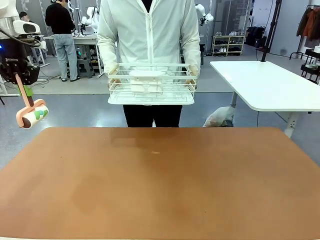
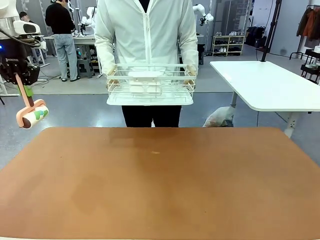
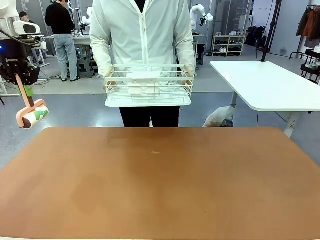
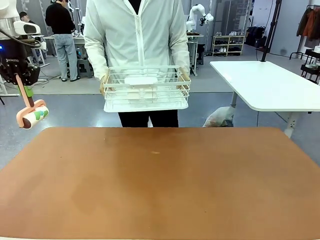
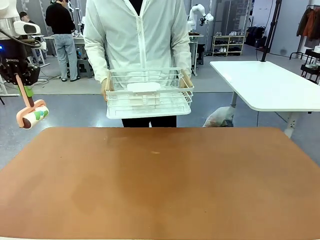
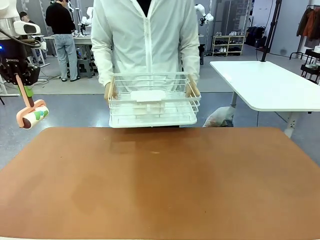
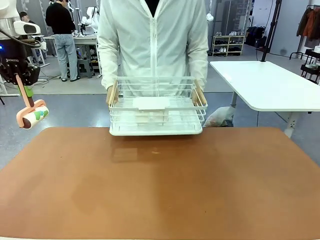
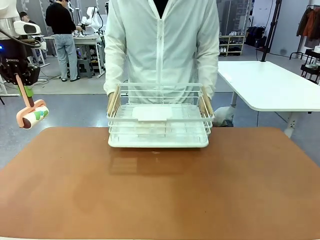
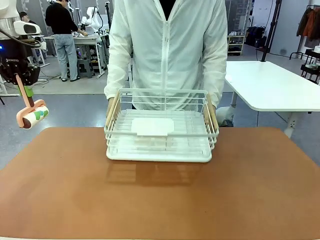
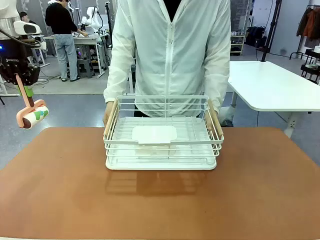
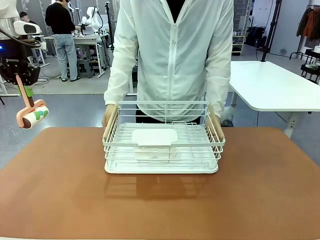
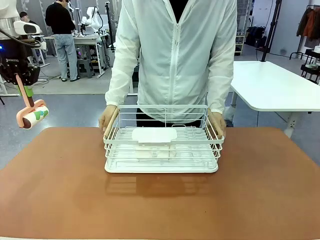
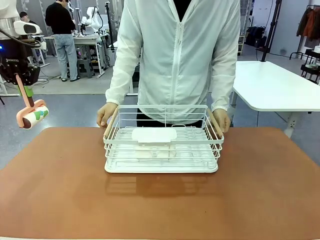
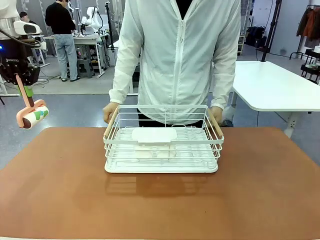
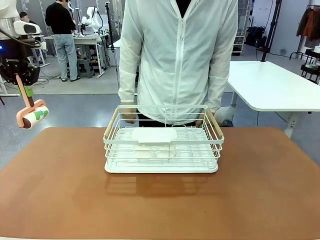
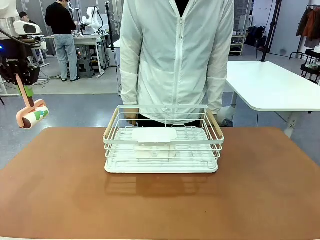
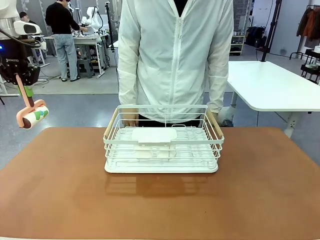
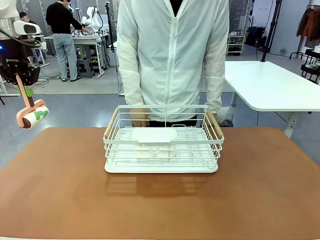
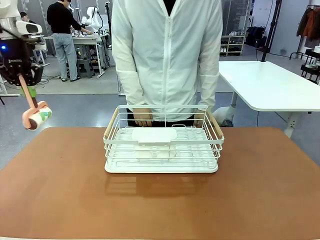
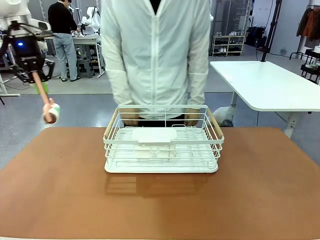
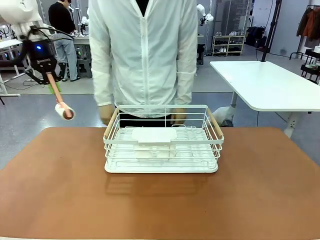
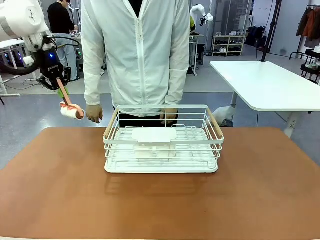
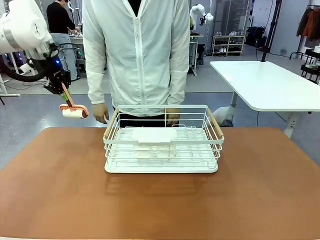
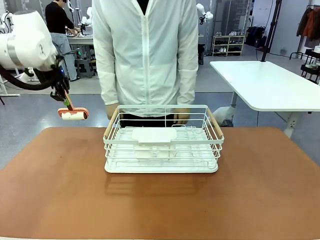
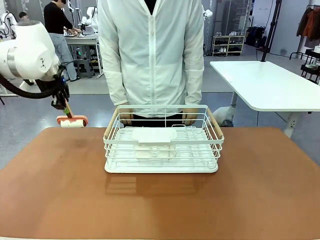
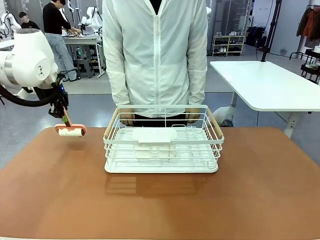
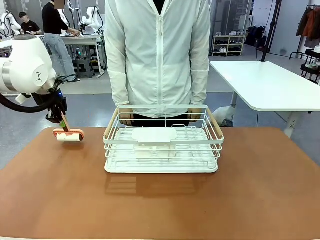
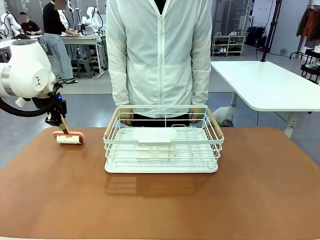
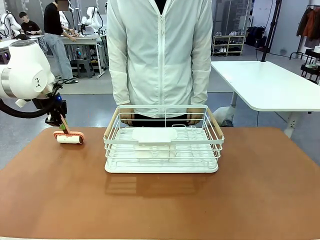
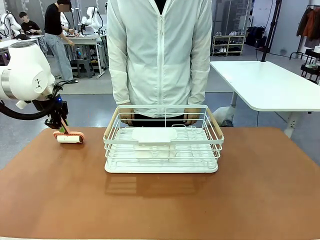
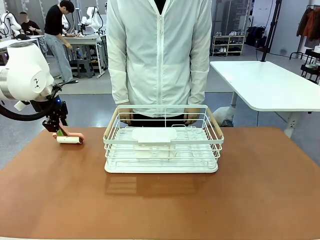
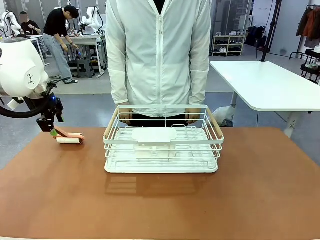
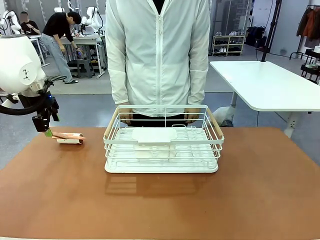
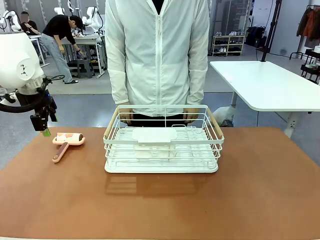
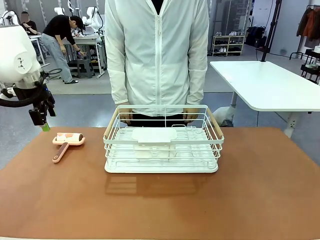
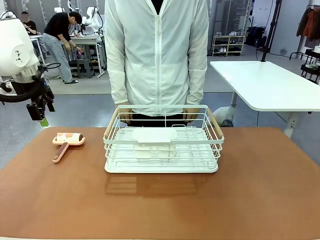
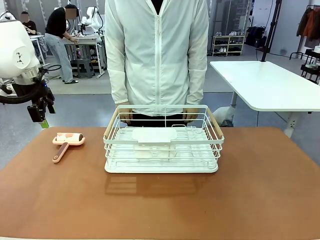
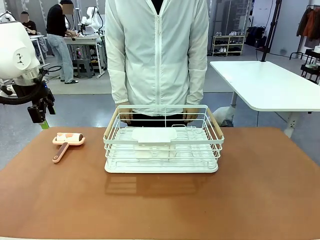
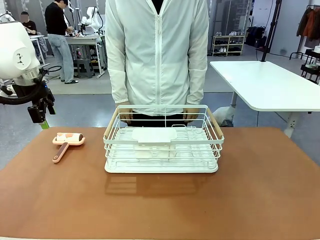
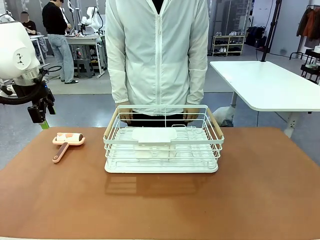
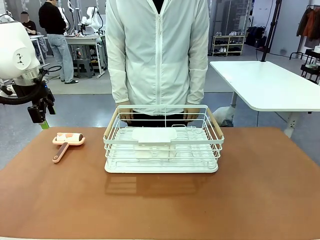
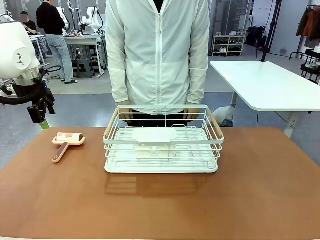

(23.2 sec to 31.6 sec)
Task: Clean the table.
Robot: Place the Lint Roller down when the Dish drying rack is positioned in the middle of the table.
Person: Place the Dish drying rack down when the robot finishes cleaning.

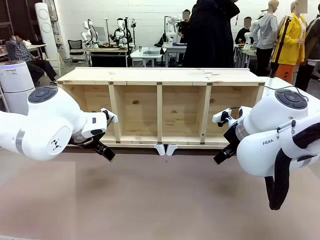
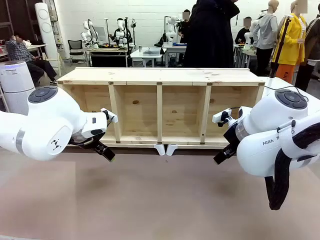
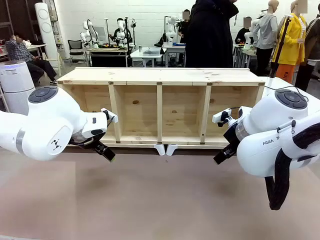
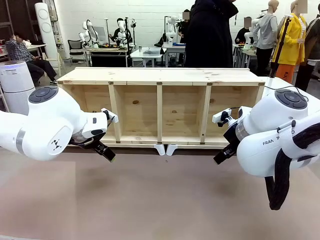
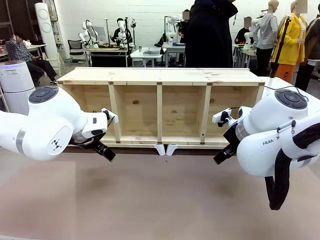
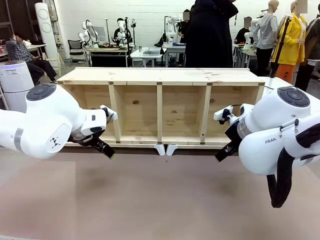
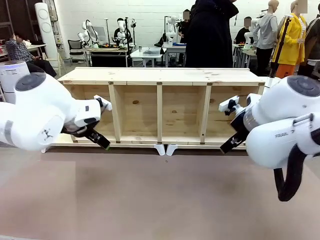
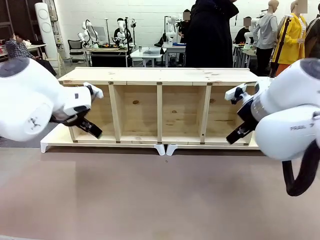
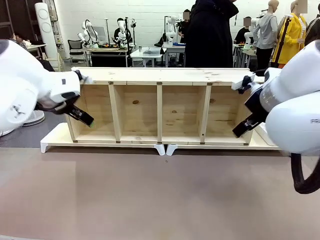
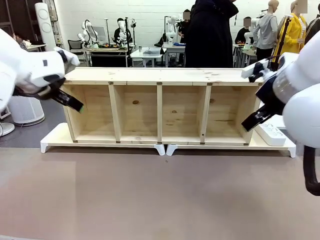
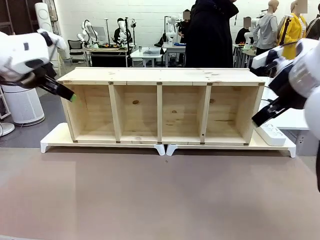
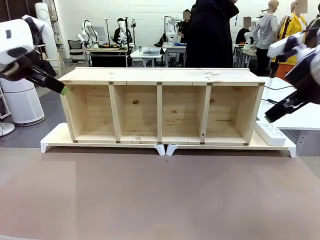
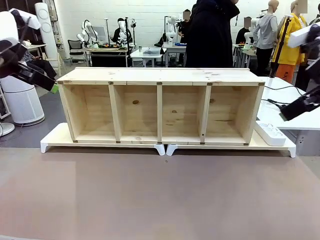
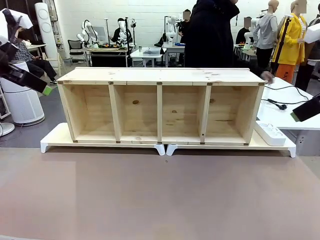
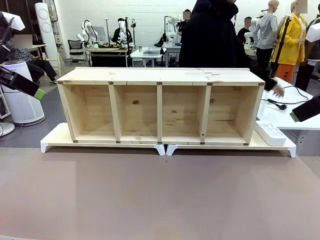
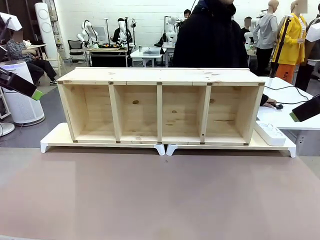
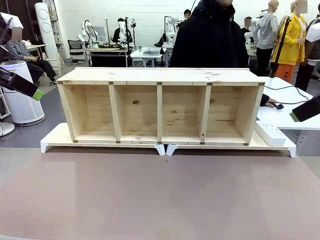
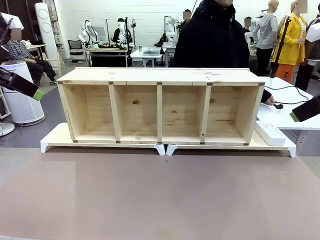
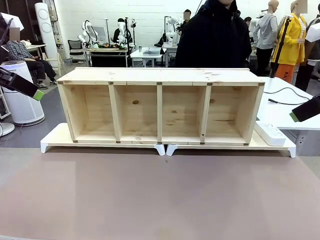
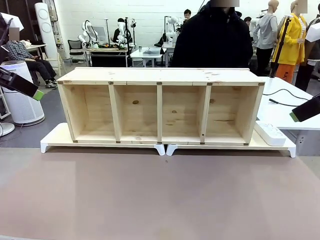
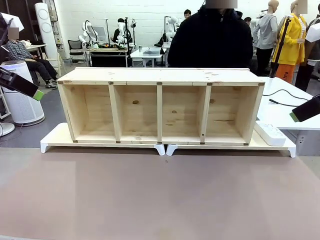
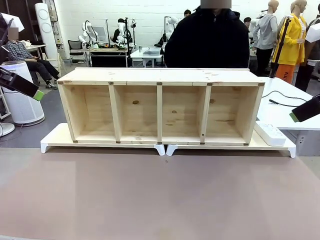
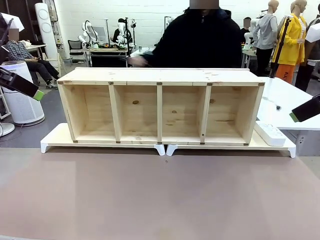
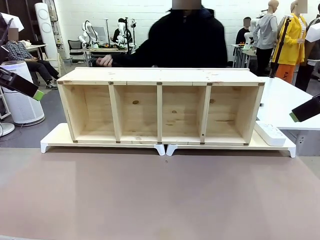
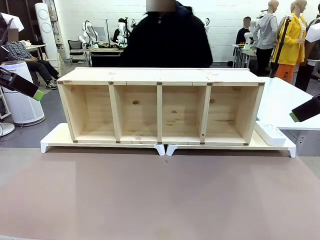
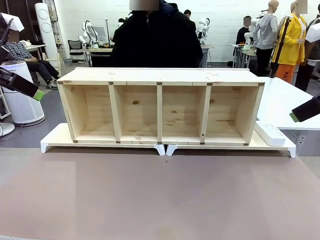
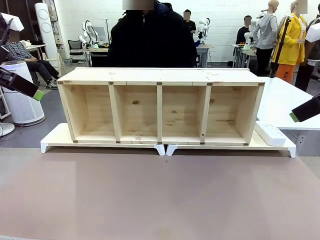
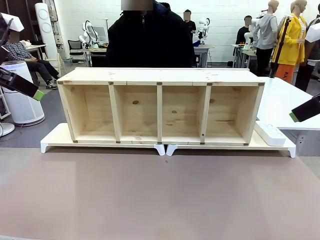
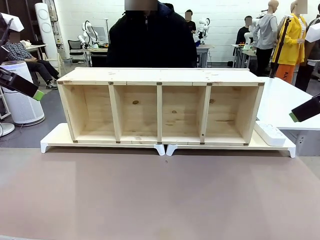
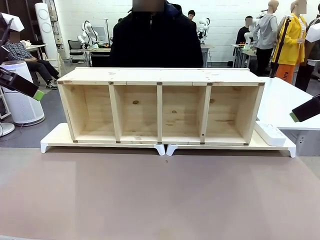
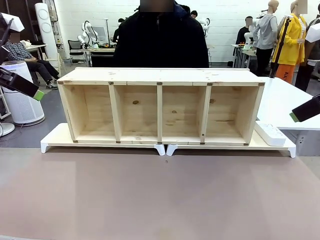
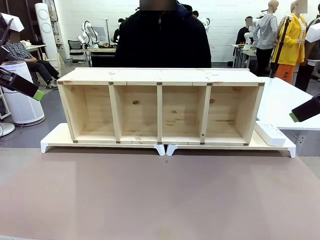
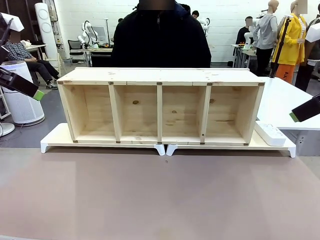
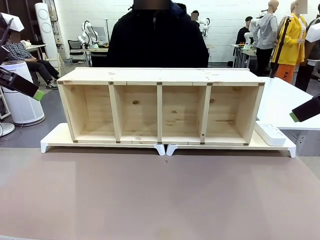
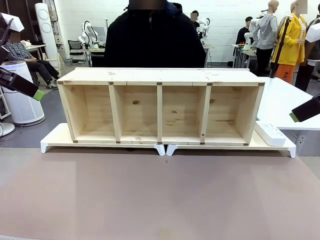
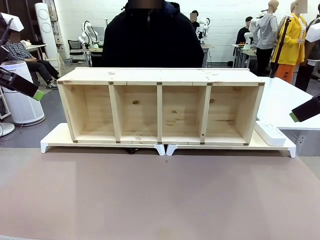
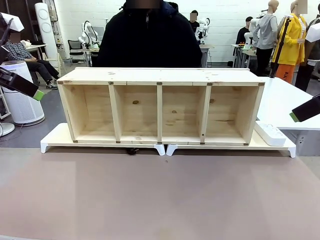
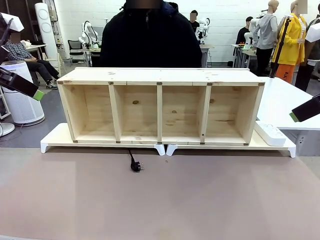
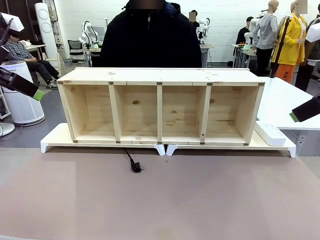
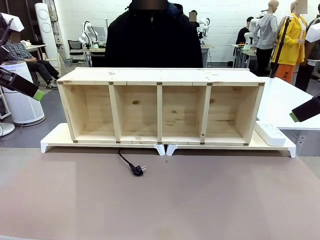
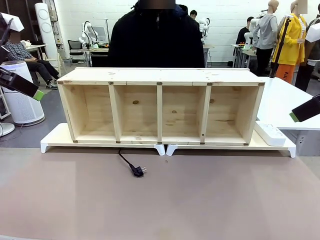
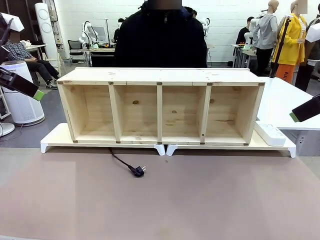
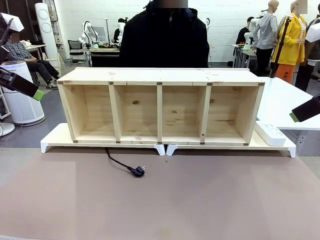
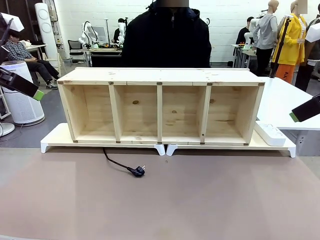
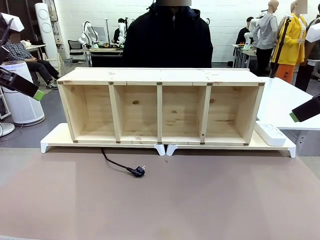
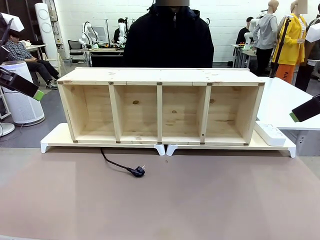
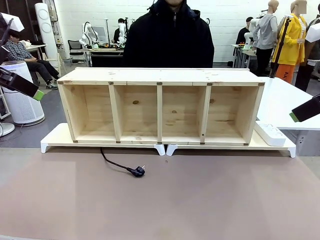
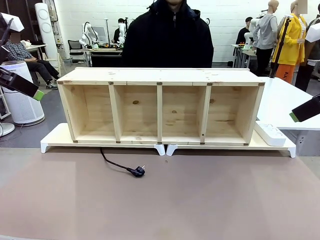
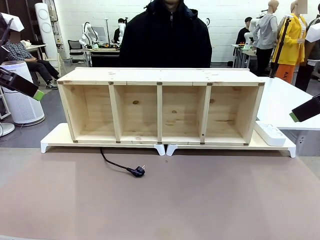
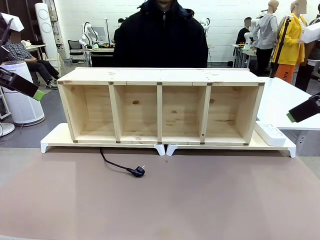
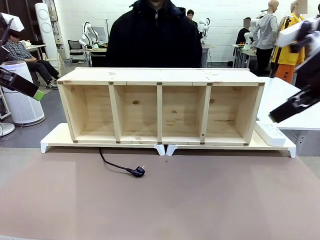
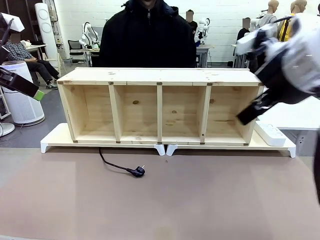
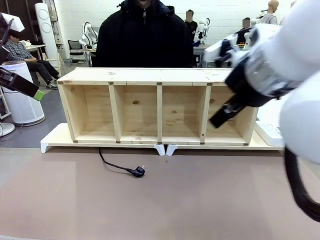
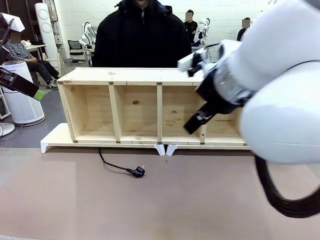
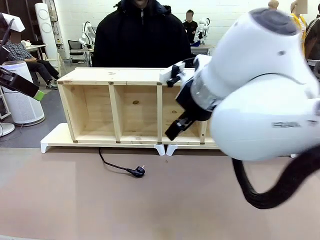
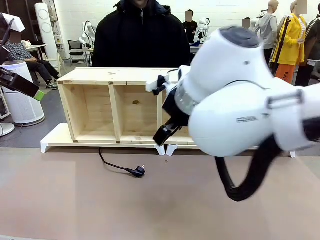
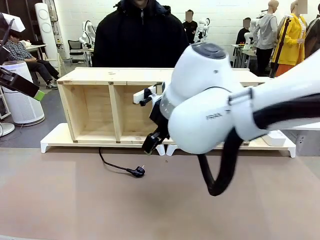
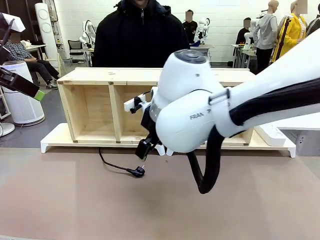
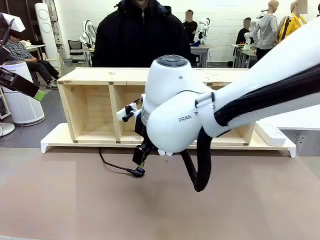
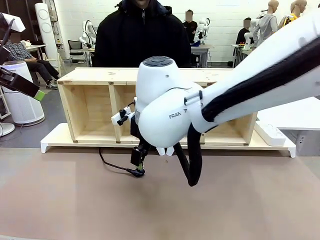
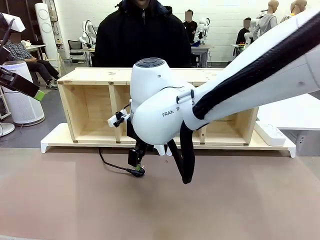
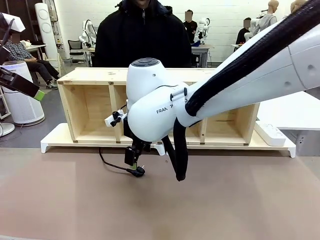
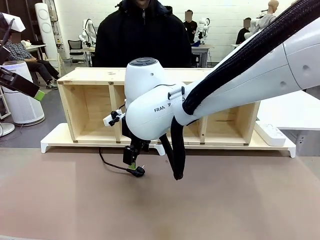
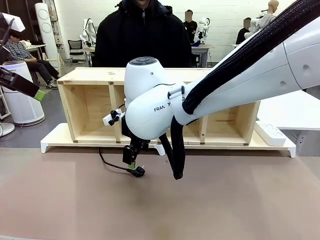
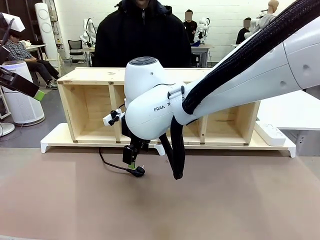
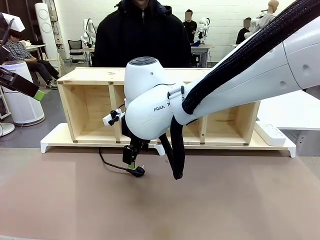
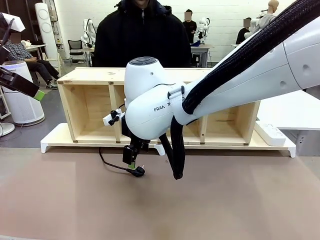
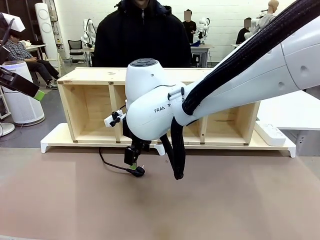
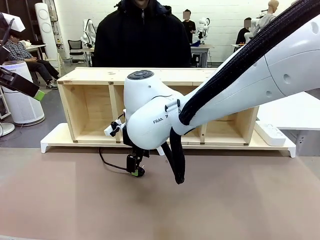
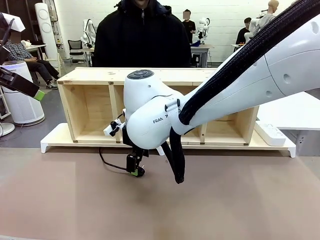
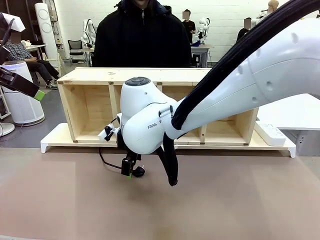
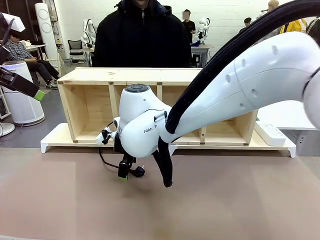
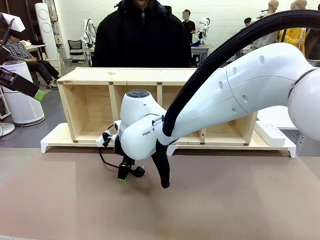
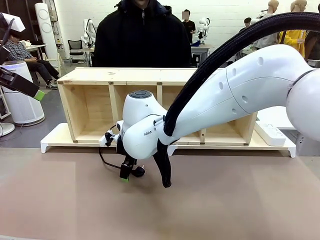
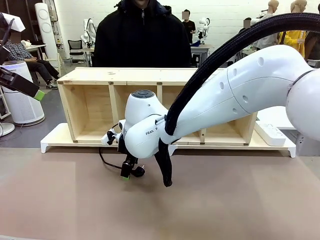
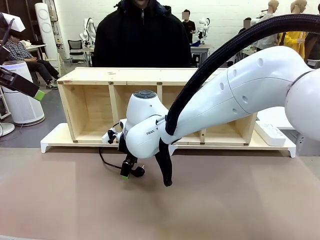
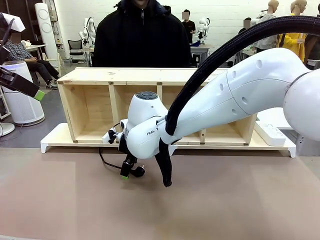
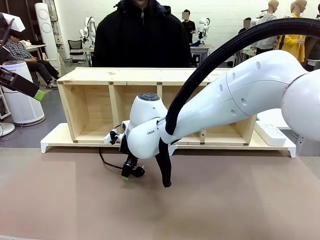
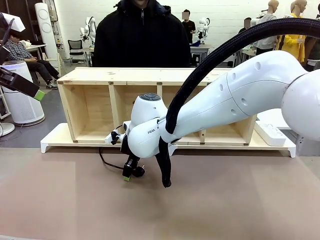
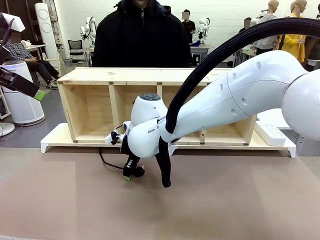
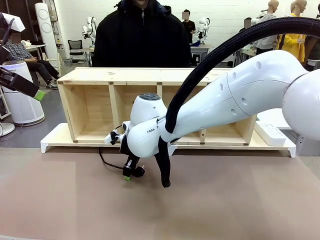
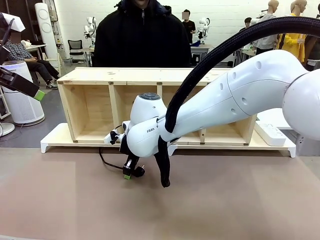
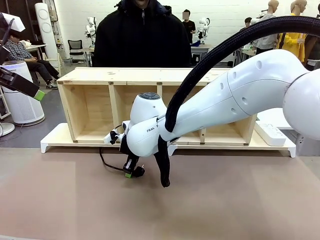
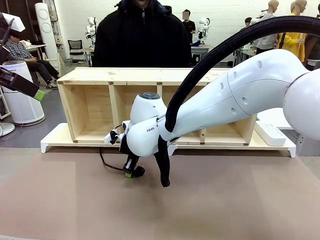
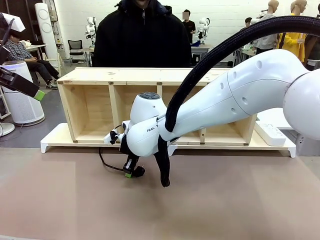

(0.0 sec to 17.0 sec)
Task: Perform cable management.
Robot: When the cord part of the Power Cable appears at the lower middle area of the table and stops, grasp the cord part of the Power Cable.
Person: Pass the Power Cable under the Serving Table.
